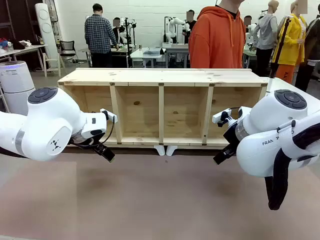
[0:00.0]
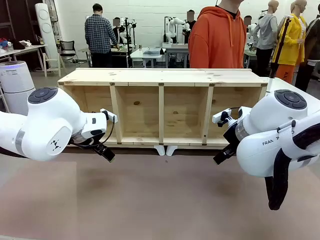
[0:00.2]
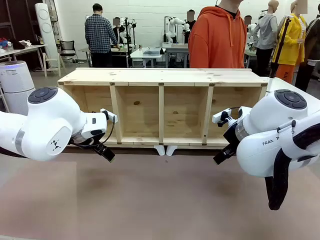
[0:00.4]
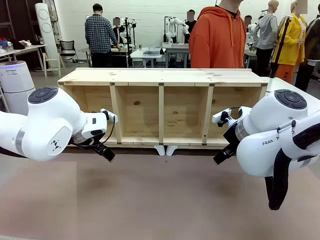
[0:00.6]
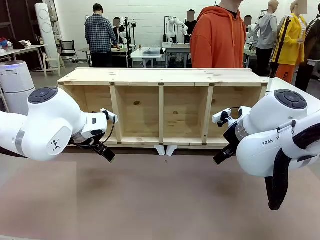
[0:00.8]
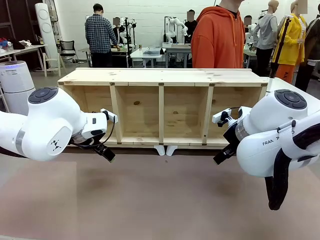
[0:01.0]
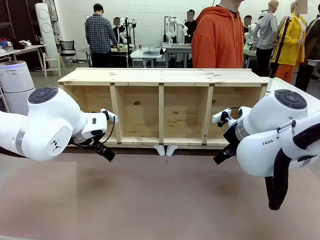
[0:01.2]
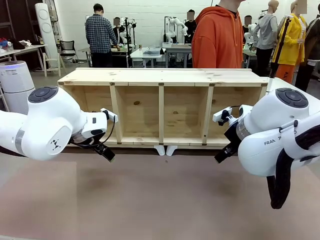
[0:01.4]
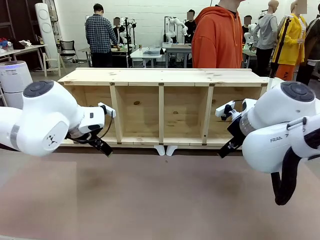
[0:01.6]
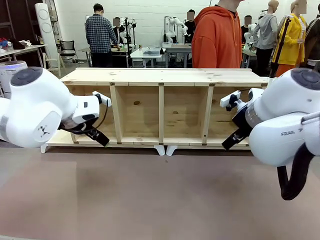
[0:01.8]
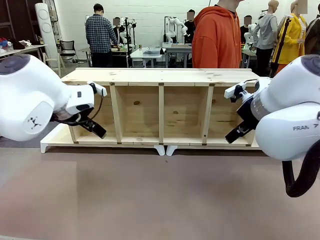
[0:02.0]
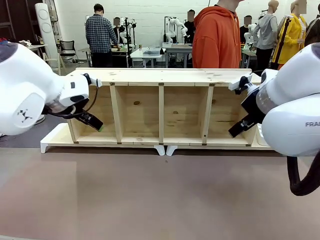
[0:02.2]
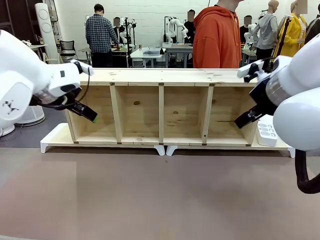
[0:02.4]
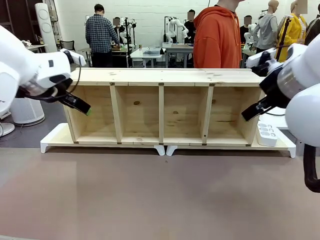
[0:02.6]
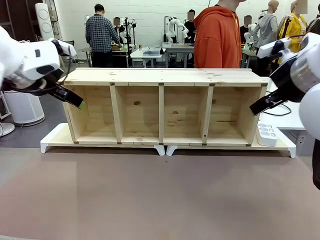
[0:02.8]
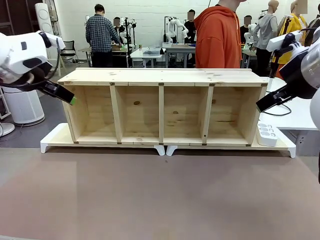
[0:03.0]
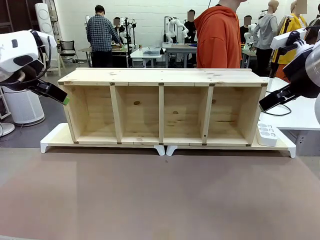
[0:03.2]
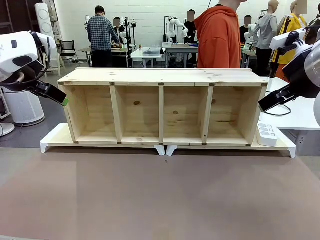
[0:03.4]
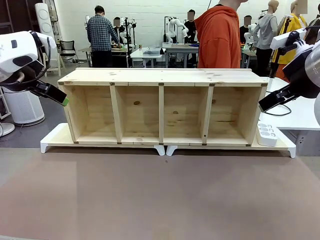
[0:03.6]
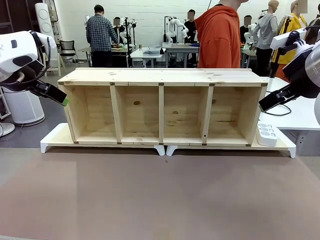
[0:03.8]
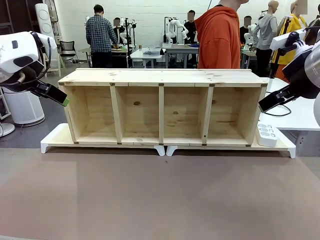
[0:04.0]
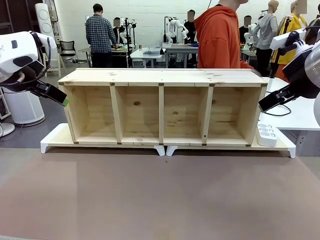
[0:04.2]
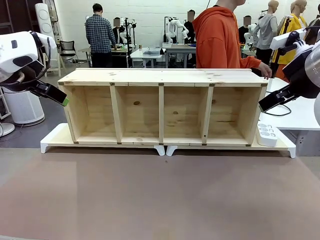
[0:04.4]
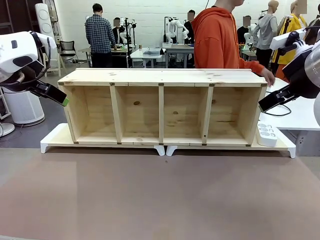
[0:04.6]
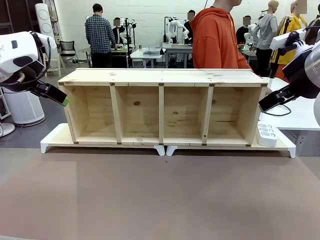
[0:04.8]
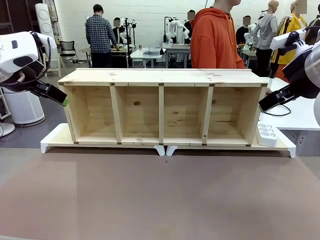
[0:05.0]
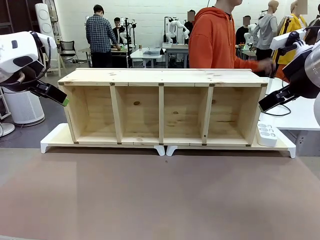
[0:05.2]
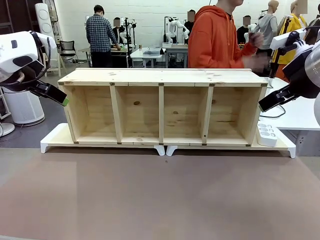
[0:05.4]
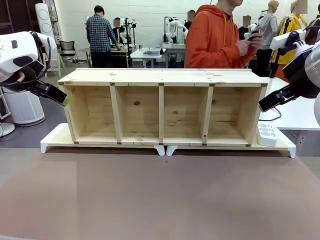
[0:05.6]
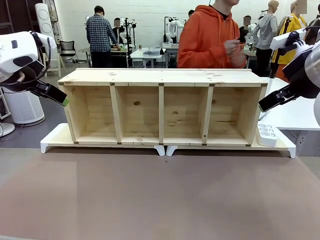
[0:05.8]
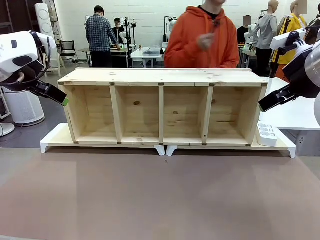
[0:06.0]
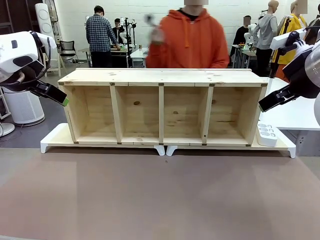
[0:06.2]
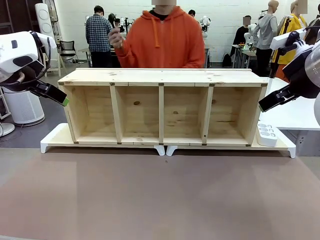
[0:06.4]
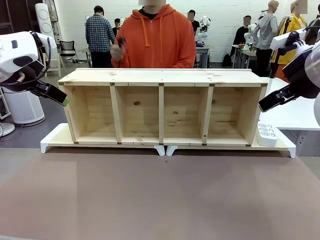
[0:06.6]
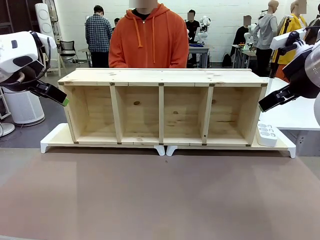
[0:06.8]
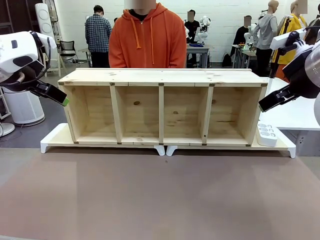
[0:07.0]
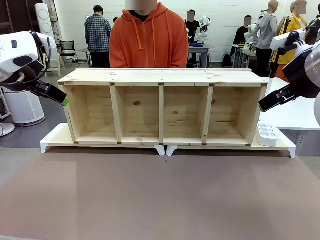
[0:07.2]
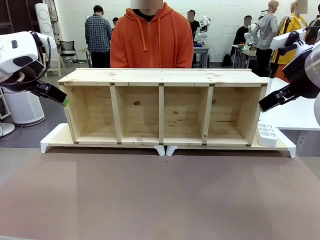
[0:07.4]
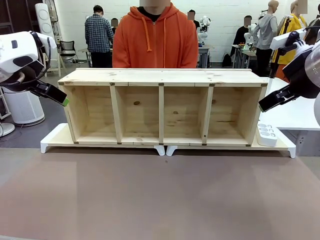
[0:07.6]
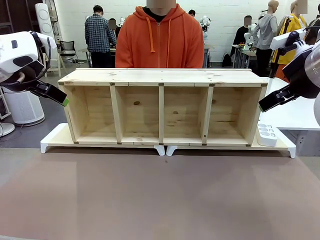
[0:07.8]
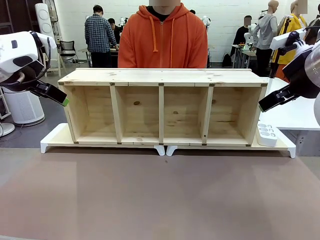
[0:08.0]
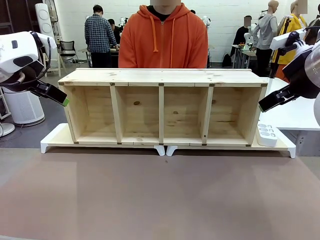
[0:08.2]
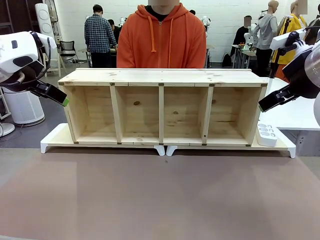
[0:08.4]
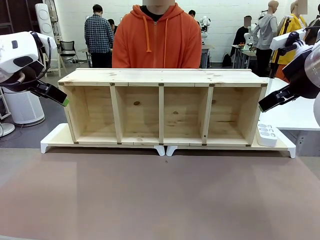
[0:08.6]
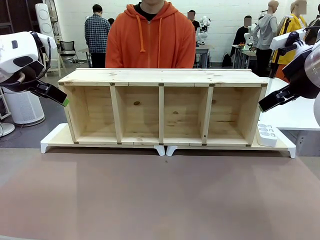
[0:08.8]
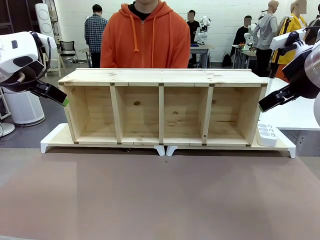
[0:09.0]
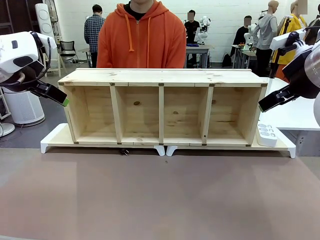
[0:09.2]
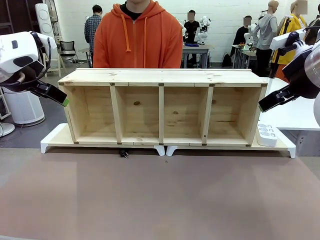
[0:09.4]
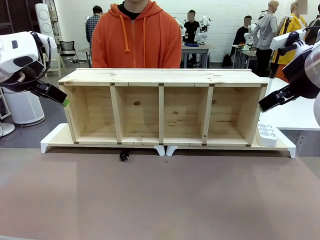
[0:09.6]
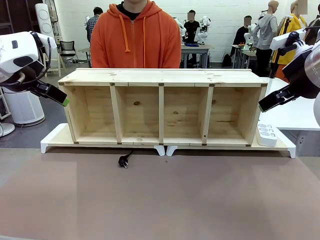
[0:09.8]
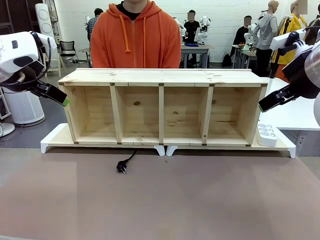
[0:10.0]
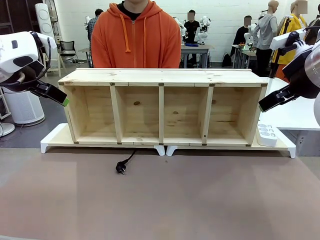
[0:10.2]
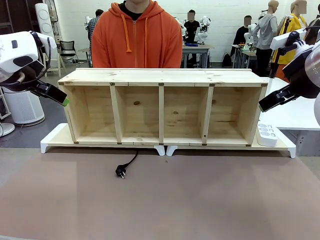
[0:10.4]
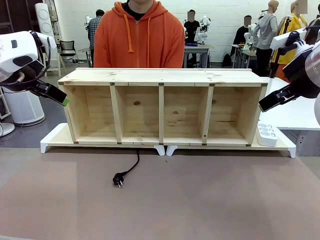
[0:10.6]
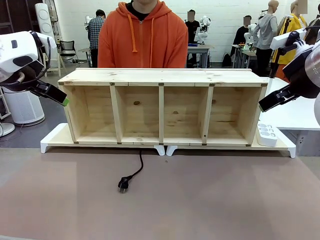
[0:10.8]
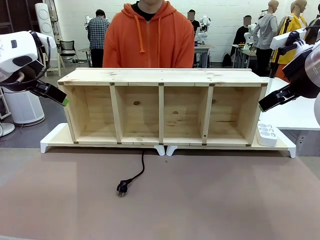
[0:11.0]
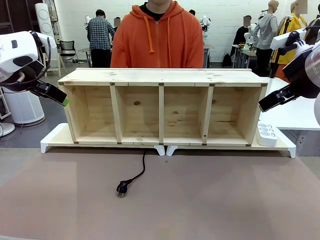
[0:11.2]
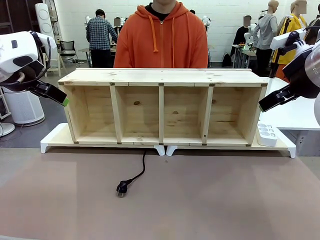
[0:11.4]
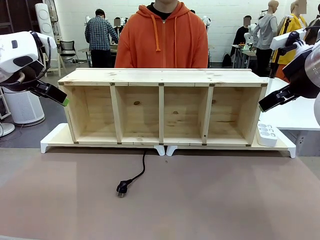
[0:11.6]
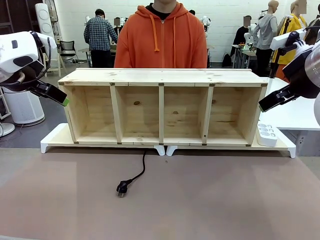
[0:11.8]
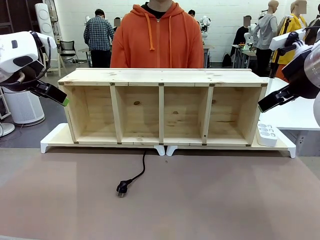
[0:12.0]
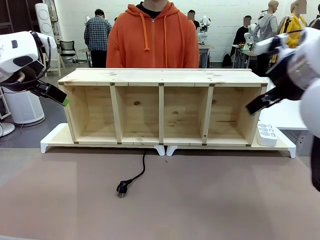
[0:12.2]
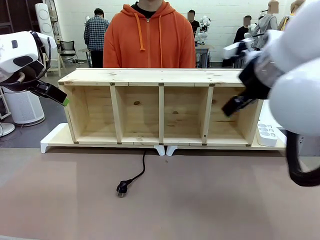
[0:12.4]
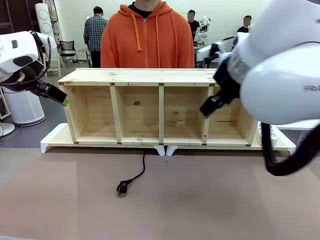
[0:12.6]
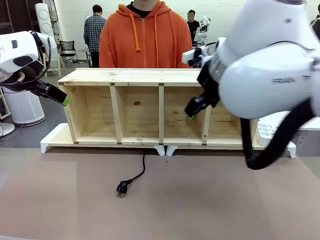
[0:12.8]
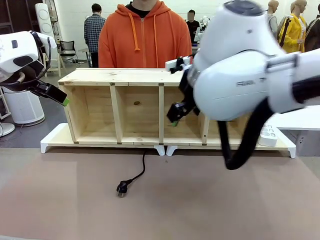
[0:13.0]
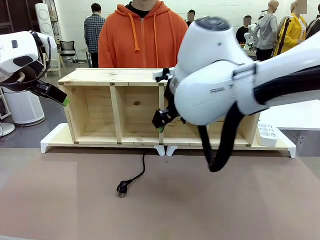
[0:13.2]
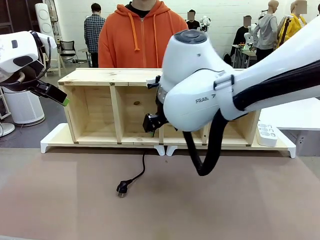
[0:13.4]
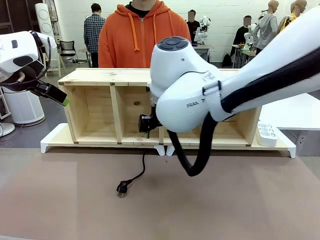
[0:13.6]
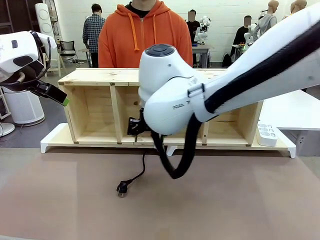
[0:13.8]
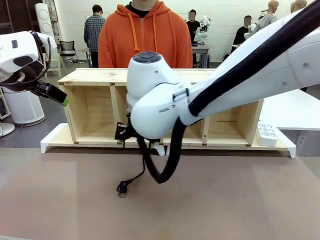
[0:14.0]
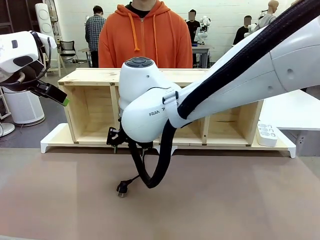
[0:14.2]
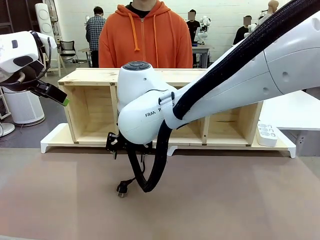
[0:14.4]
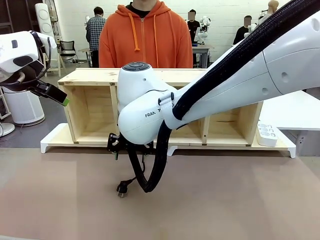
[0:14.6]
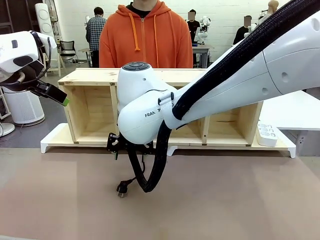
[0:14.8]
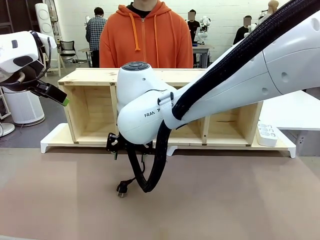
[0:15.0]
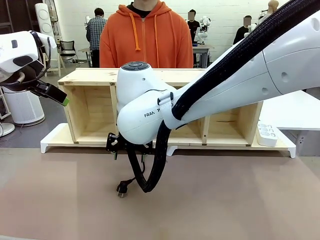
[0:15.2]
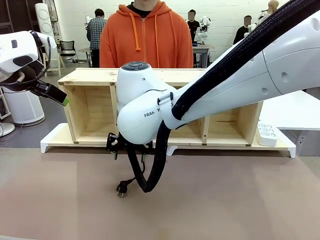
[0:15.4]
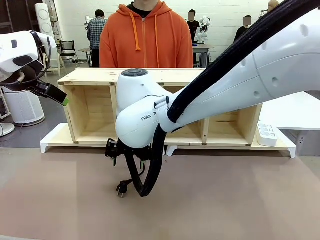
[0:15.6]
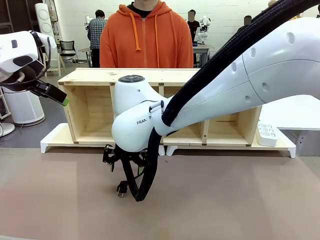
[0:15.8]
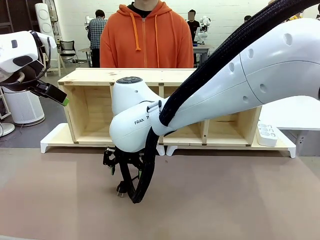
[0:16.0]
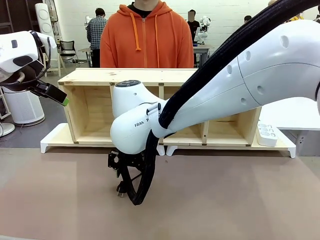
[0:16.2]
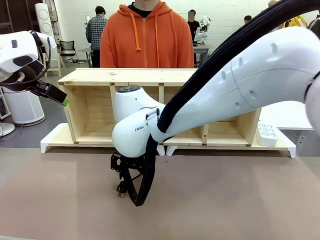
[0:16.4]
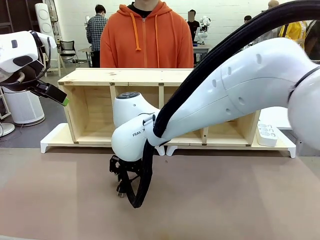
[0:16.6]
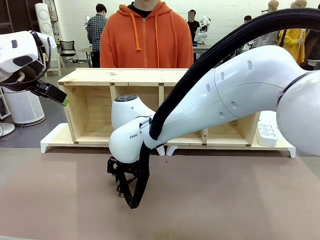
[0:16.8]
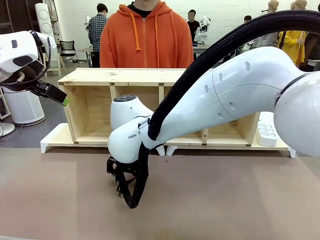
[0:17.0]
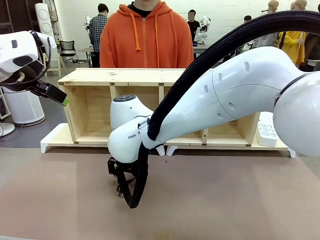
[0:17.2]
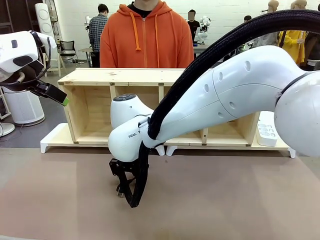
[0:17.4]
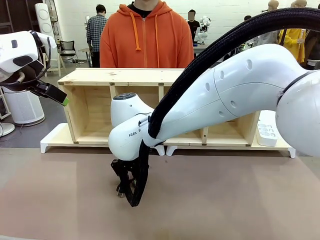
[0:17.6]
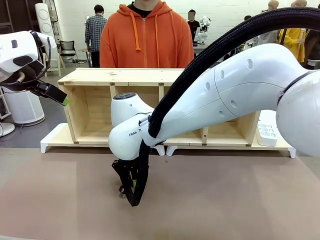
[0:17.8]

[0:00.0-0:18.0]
Task: Perform cable management.
Robot: When the cord part of the Power Cable appears at the lower middle area of the table and stops, grasp the cord part of the Power Cable.
Person: Pass the Power Cable under the Serving Table.
